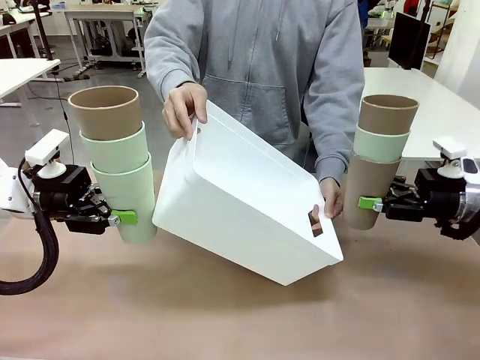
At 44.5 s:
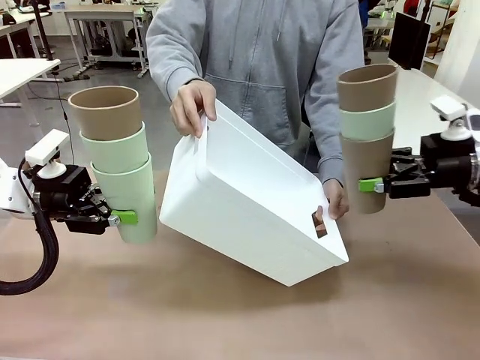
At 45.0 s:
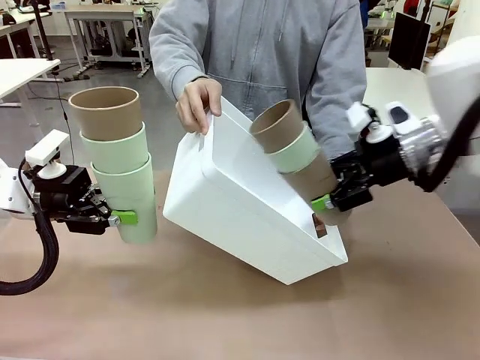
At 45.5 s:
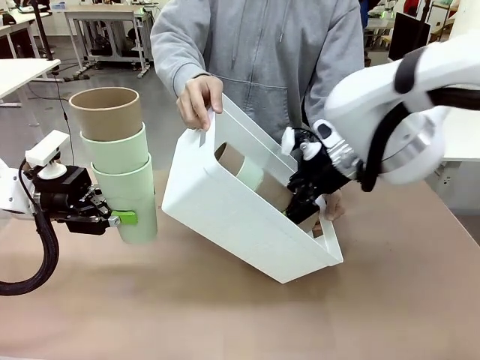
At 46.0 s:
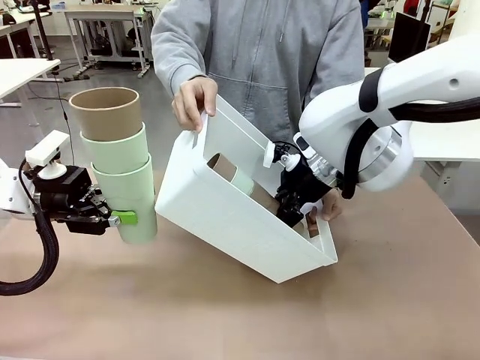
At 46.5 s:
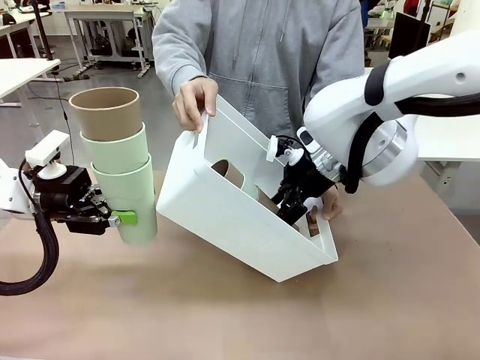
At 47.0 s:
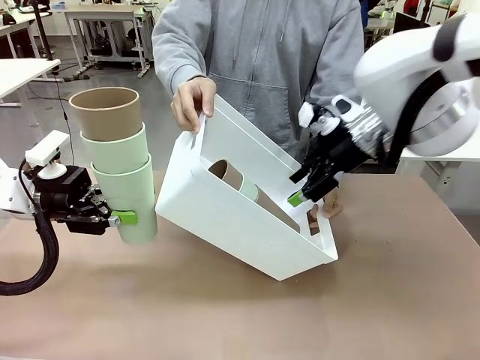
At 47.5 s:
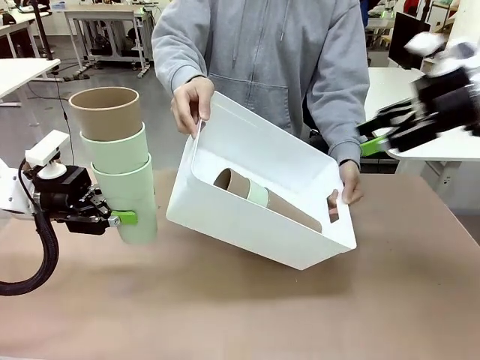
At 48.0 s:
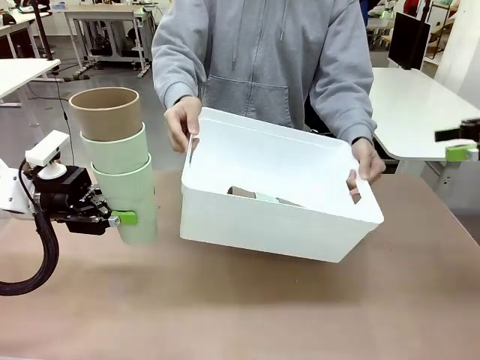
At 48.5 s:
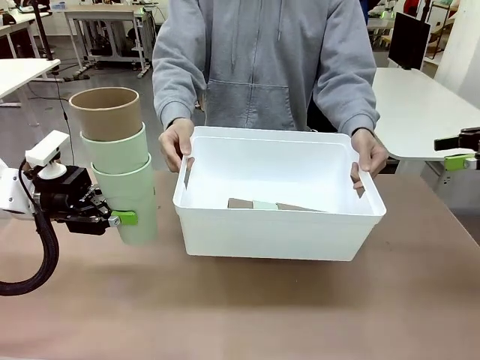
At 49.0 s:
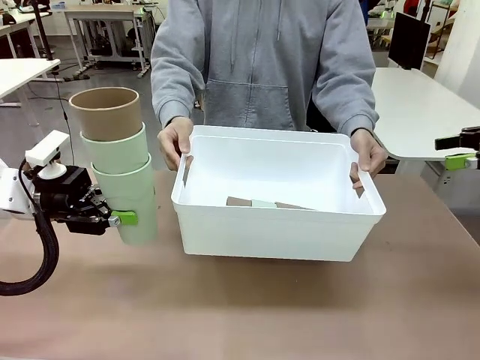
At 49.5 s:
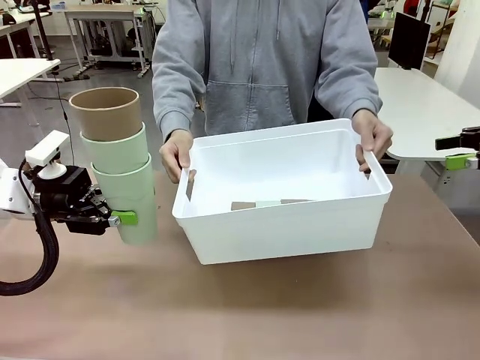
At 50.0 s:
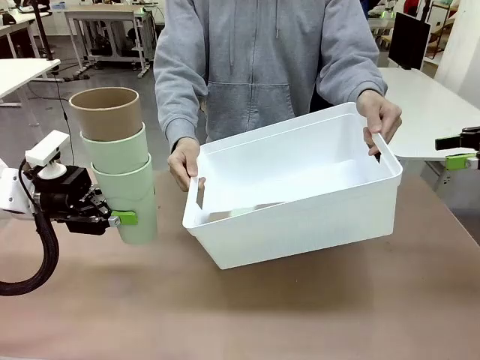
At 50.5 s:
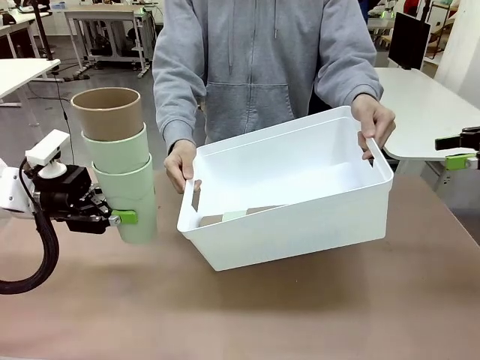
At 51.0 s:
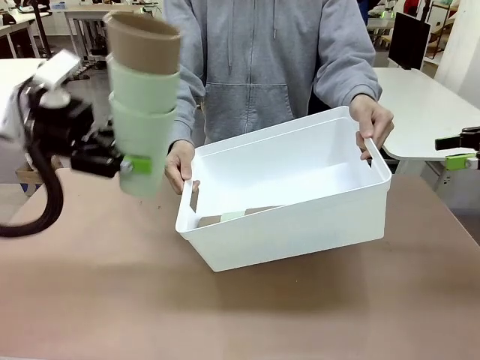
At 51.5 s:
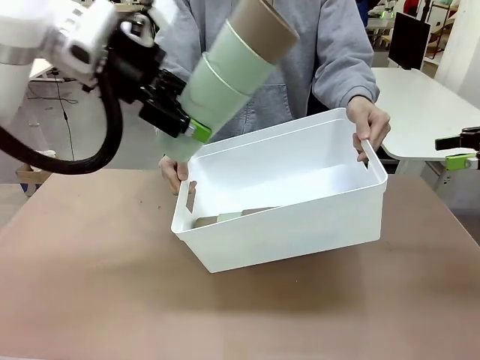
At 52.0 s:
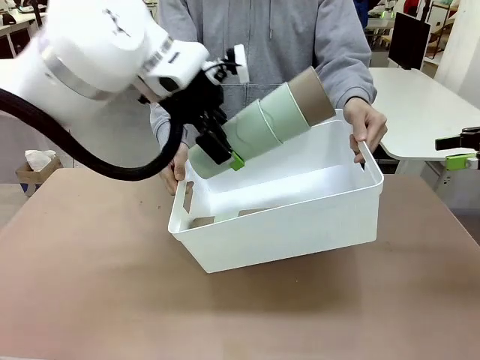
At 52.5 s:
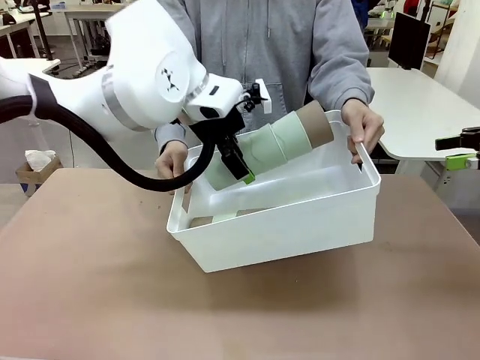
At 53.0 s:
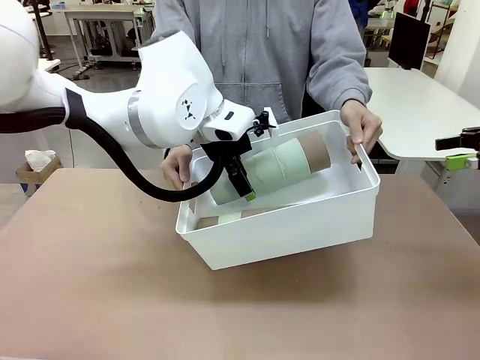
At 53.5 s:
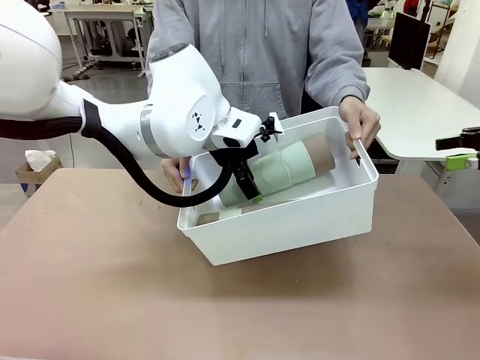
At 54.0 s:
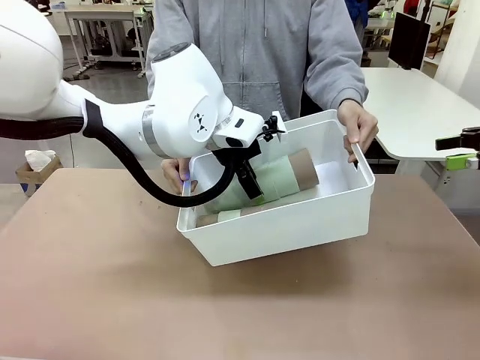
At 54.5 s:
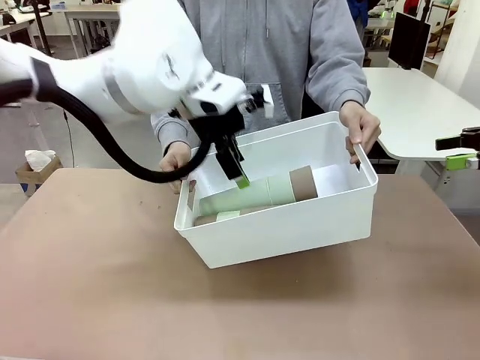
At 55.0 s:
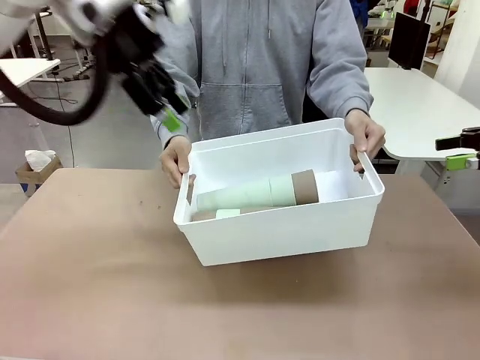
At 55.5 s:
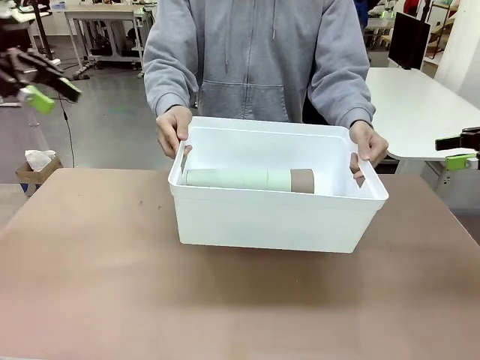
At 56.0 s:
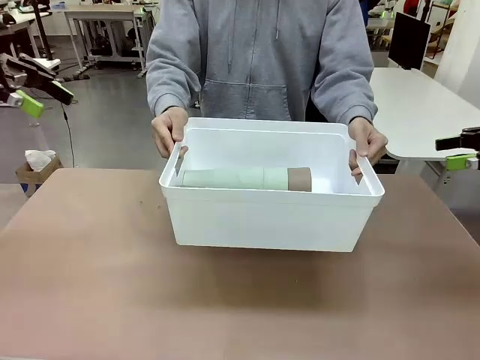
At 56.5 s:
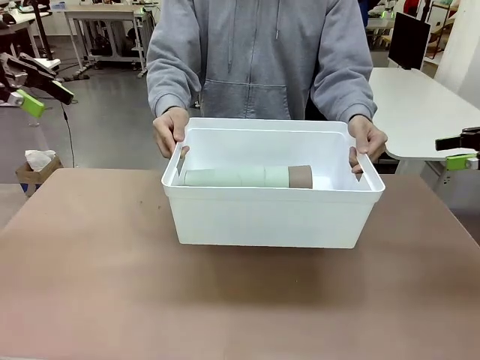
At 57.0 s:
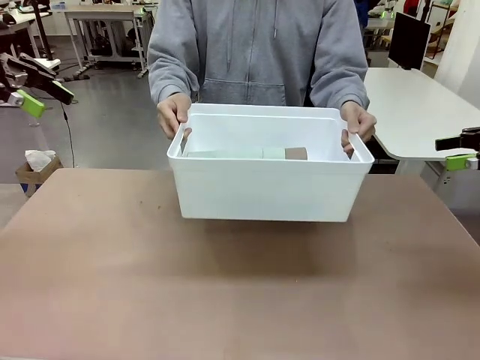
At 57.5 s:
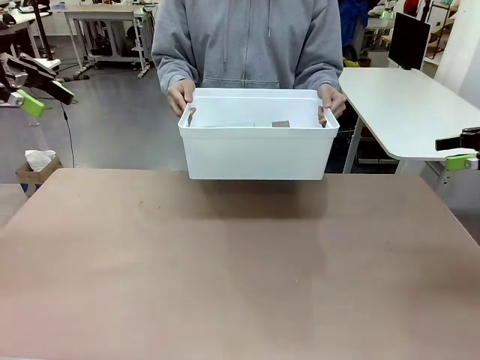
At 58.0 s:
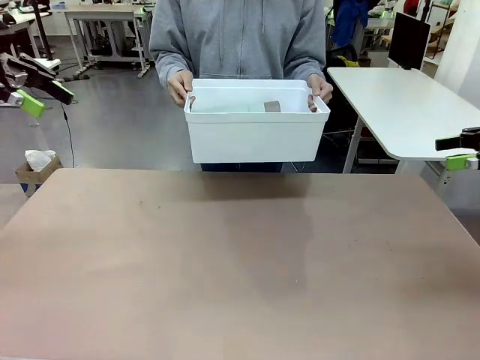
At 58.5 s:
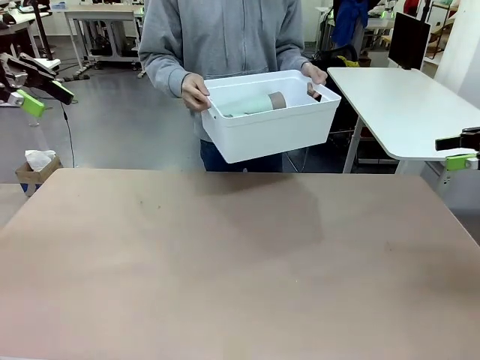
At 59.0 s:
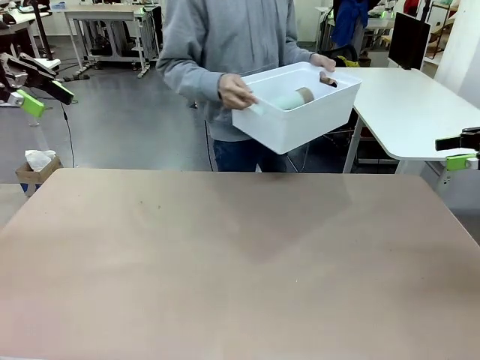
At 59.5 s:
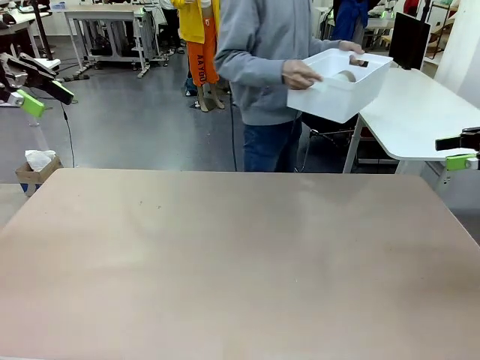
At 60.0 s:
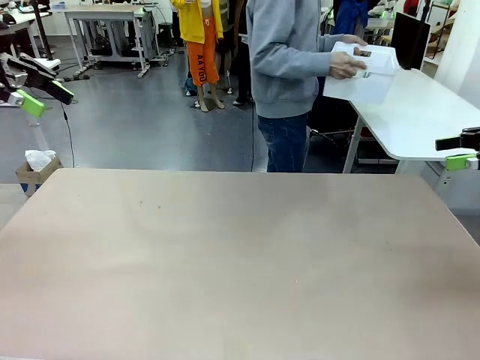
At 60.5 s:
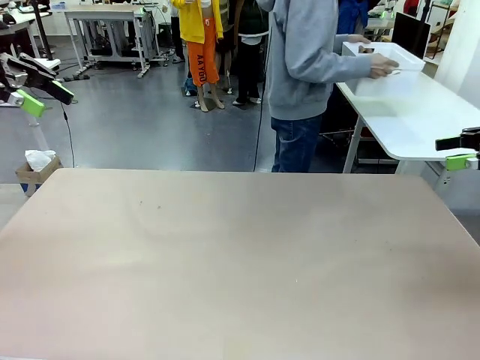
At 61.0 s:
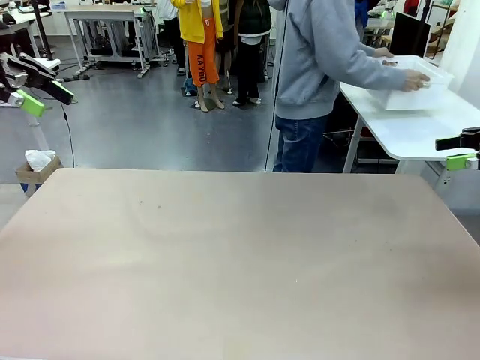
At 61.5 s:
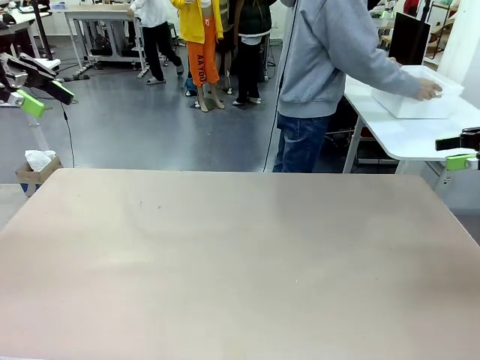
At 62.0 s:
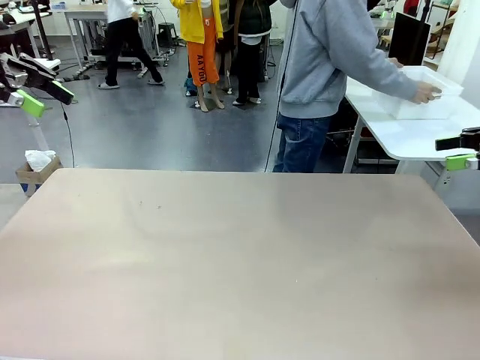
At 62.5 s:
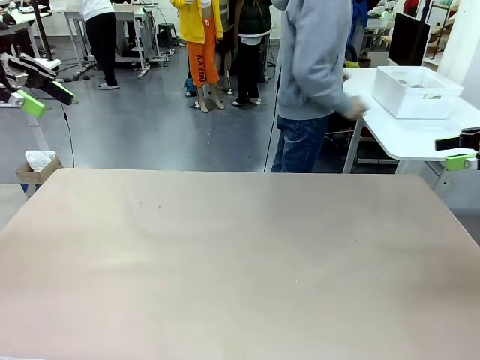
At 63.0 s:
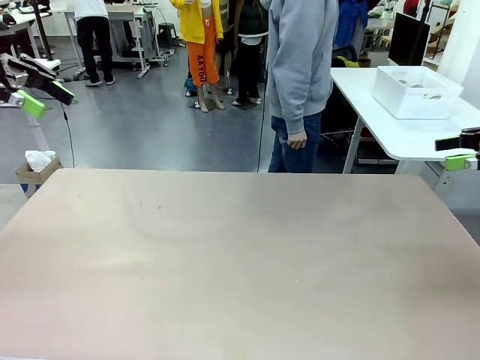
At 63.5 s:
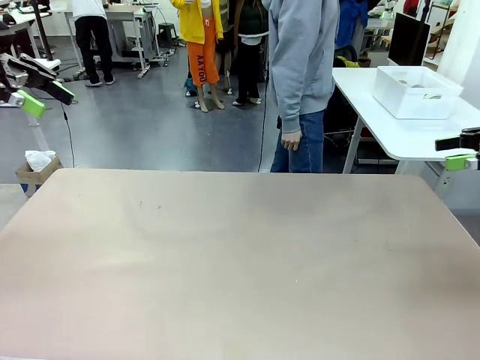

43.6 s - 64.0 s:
Task: Stack the cups and store them in the basket.
Robot: Place the stack of Reusable plastic cups into the Pantry Basket.
Person: Place the basket containing the cups in the middle of the Human Table.

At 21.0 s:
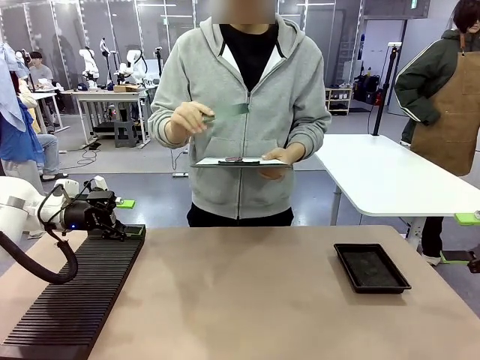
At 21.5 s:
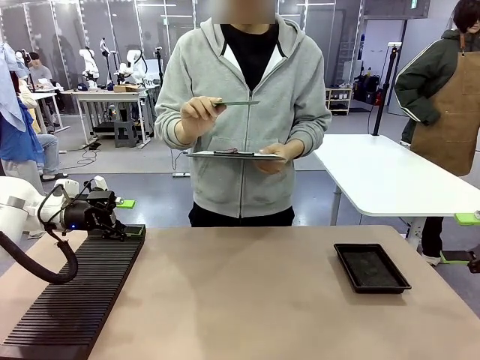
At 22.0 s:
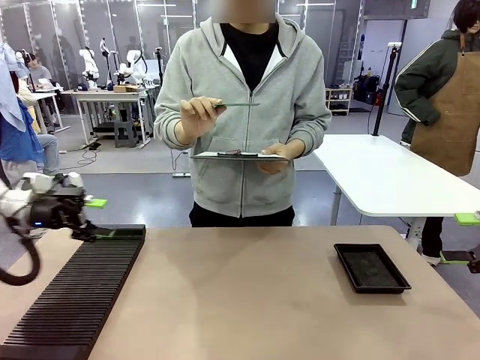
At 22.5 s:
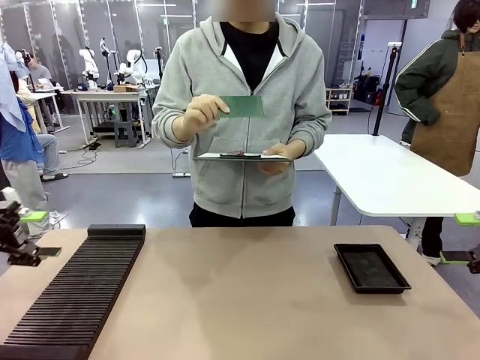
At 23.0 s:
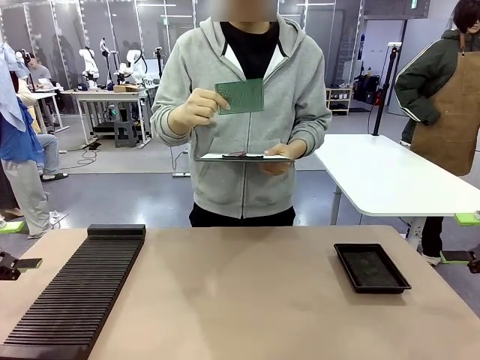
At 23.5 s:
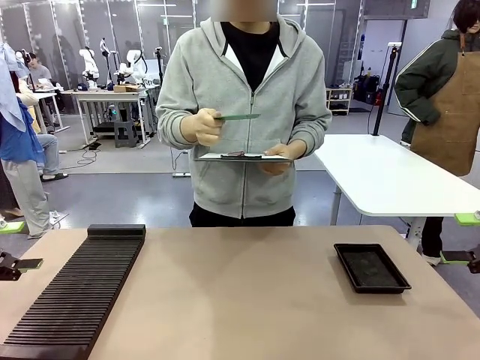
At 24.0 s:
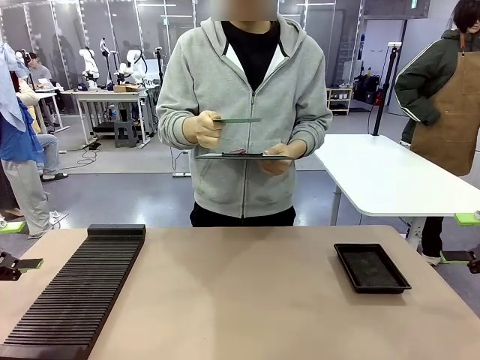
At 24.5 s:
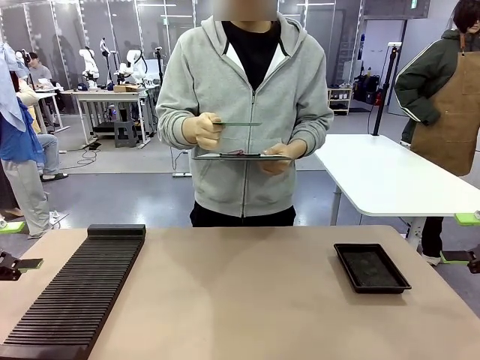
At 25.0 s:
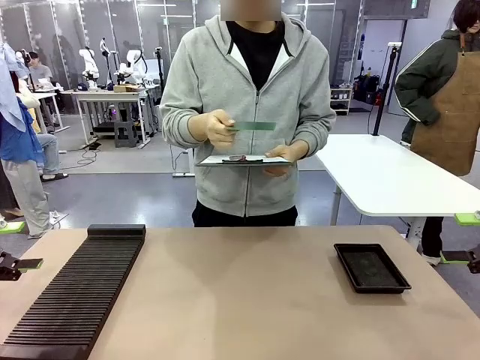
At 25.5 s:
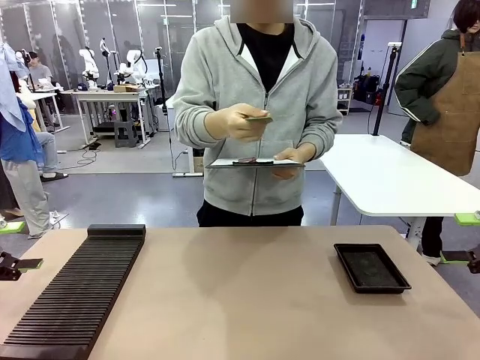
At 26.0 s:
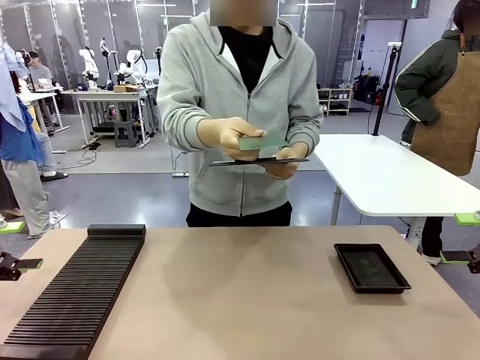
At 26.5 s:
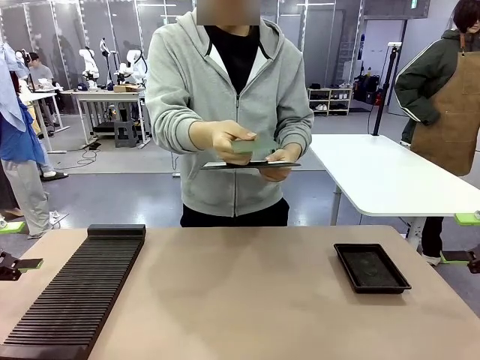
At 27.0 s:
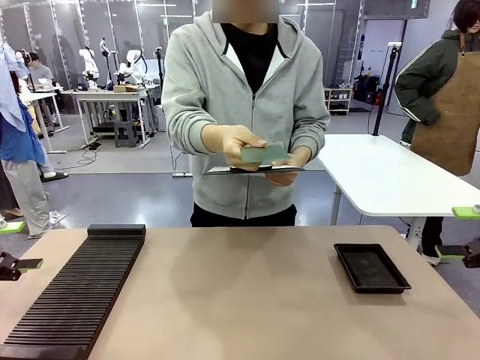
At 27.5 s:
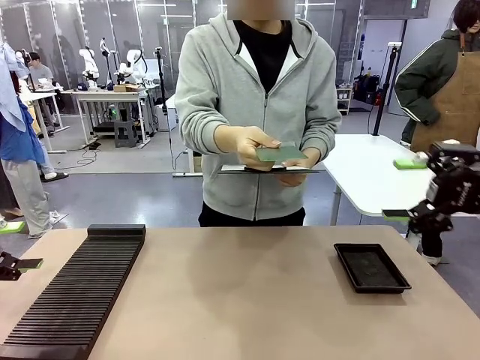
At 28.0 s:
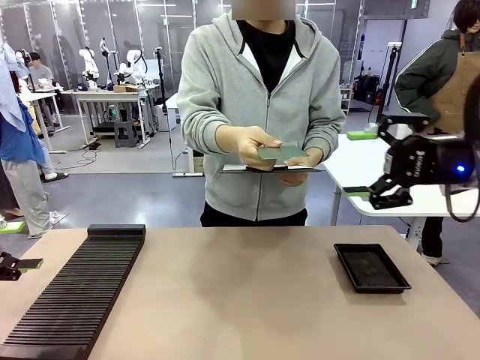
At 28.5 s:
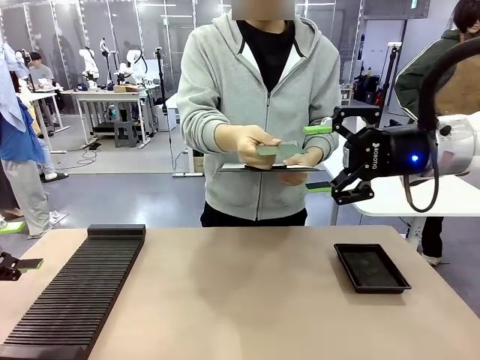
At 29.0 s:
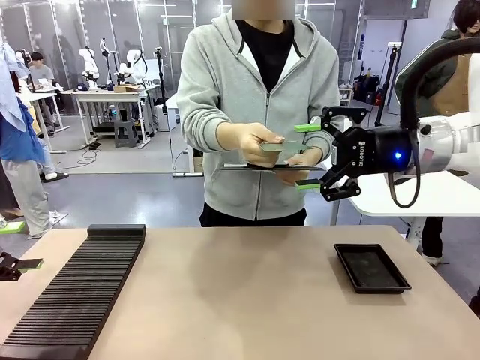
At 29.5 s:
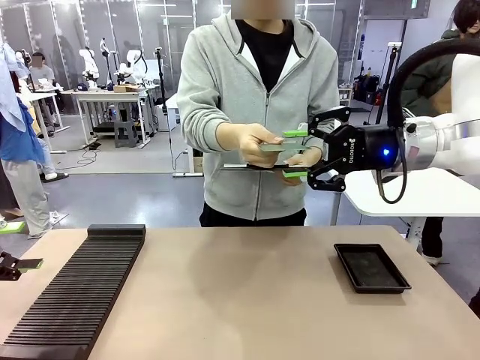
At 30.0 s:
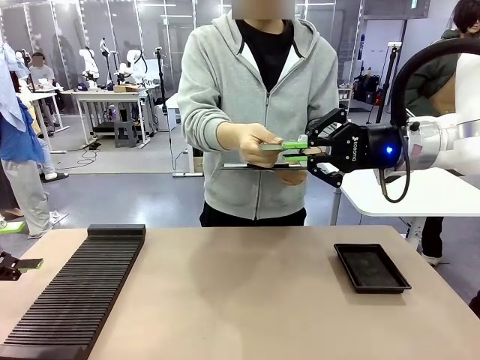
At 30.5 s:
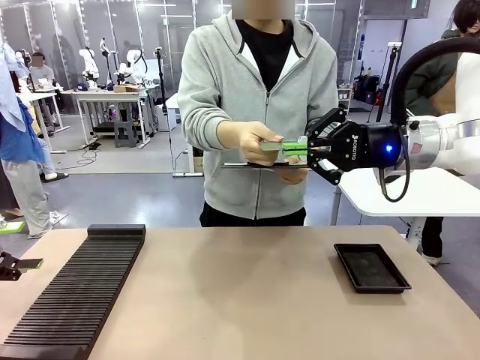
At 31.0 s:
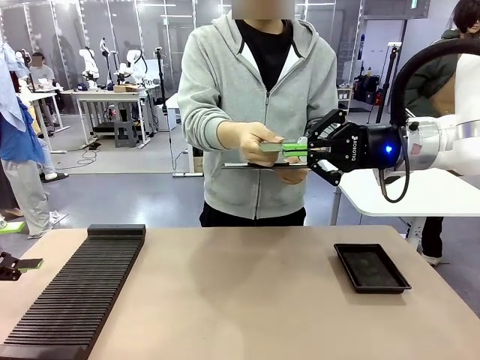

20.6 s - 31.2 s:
Task: Inspect the PCB.
Robot: Pick up the Blank PCB that the human is holding.
Person: Inspect the PCB placed by the robot, then hold it out in front of the robot. Release the PCB you were holding.
